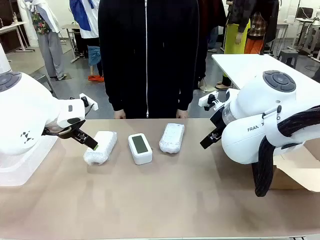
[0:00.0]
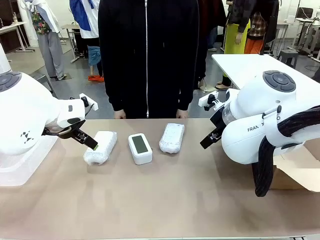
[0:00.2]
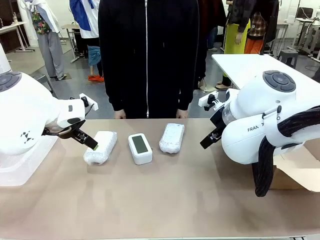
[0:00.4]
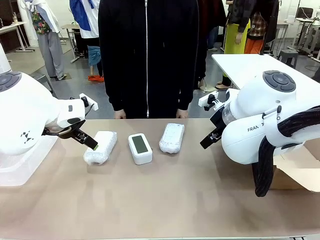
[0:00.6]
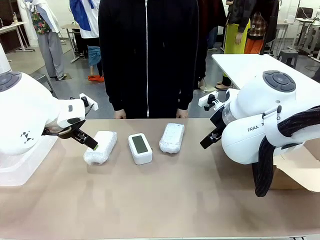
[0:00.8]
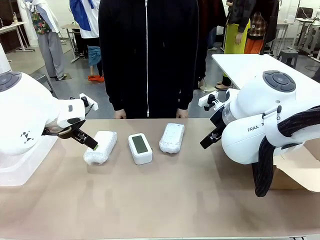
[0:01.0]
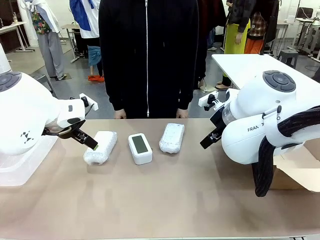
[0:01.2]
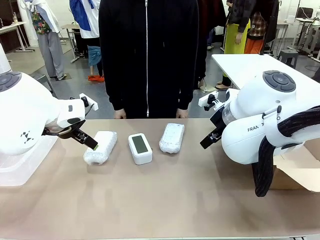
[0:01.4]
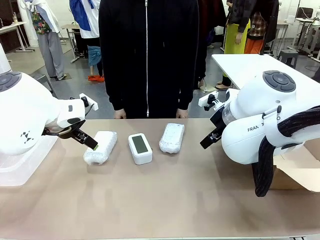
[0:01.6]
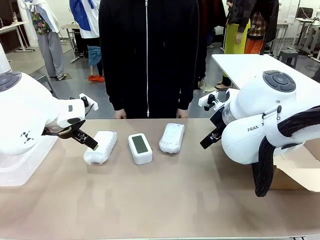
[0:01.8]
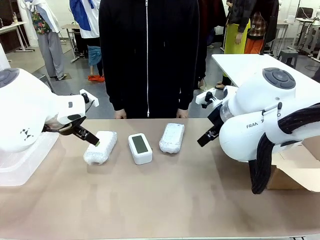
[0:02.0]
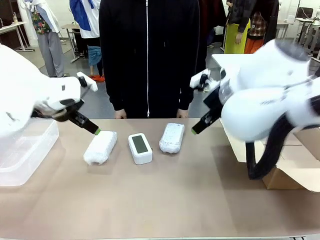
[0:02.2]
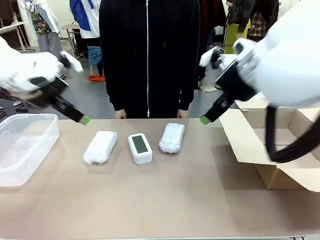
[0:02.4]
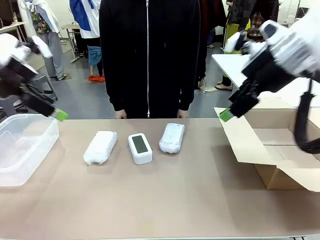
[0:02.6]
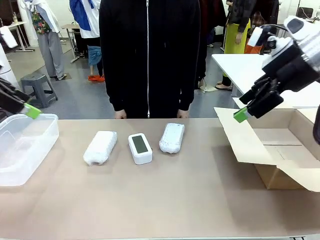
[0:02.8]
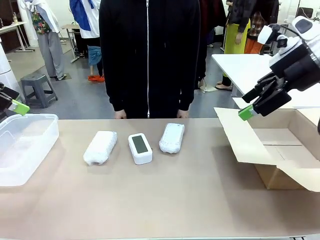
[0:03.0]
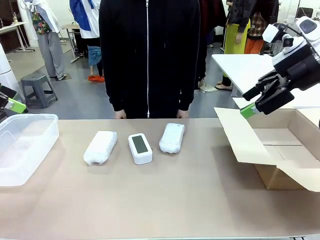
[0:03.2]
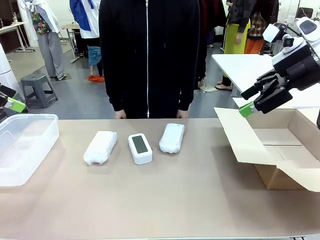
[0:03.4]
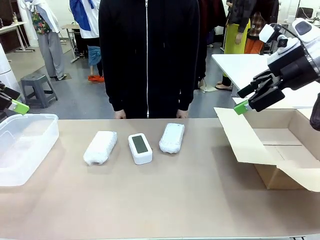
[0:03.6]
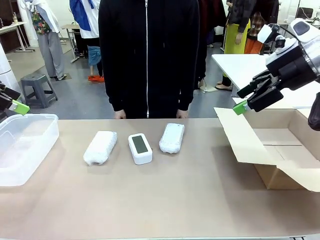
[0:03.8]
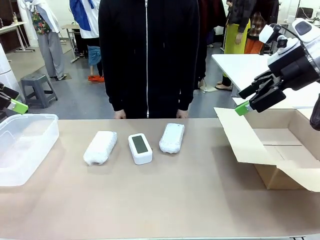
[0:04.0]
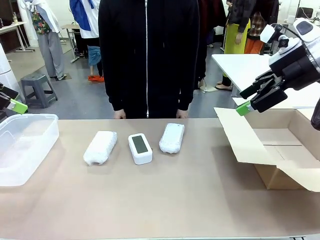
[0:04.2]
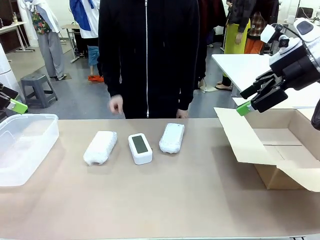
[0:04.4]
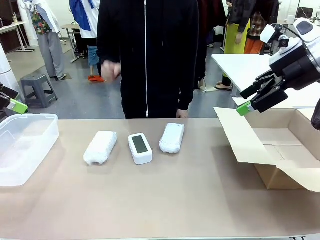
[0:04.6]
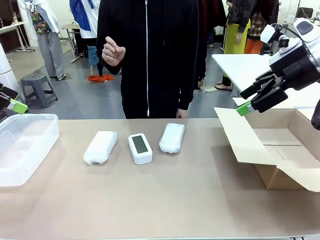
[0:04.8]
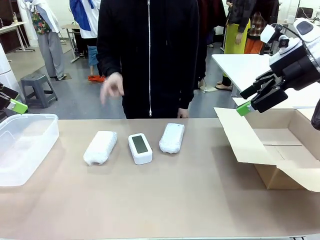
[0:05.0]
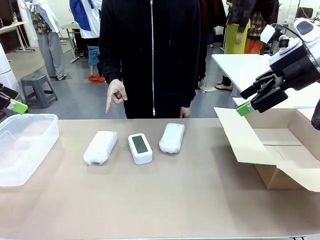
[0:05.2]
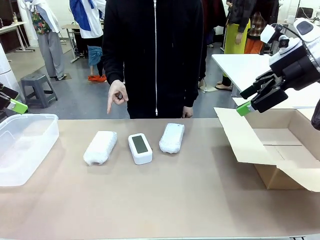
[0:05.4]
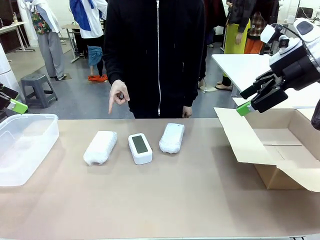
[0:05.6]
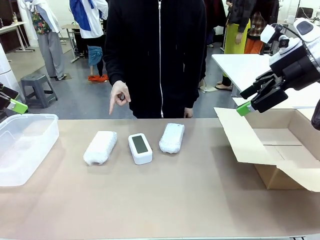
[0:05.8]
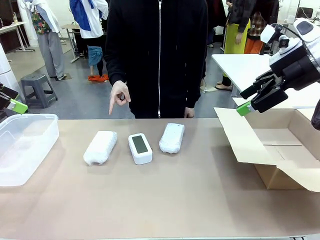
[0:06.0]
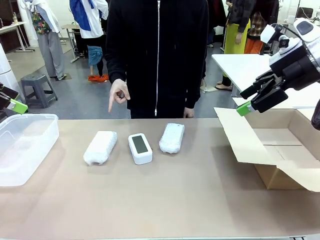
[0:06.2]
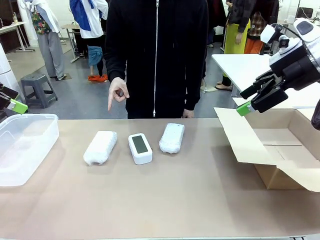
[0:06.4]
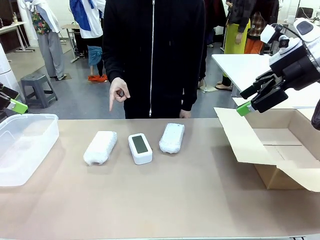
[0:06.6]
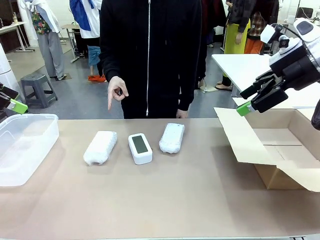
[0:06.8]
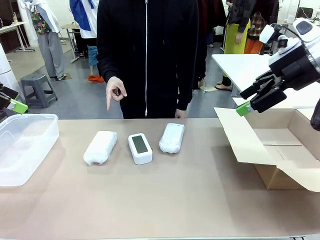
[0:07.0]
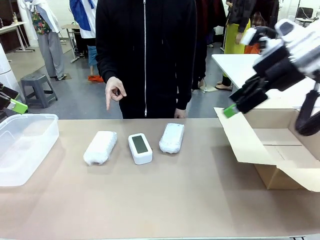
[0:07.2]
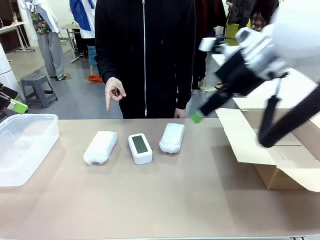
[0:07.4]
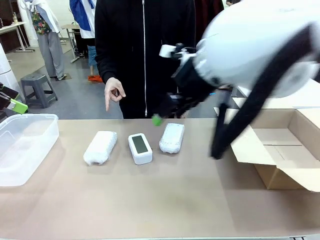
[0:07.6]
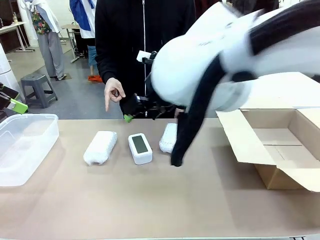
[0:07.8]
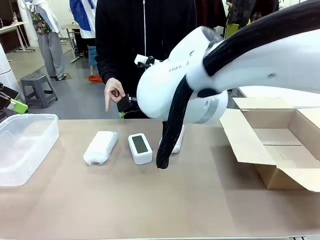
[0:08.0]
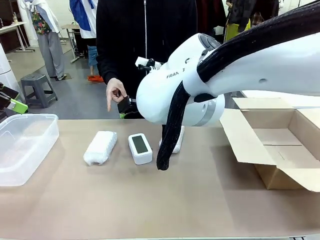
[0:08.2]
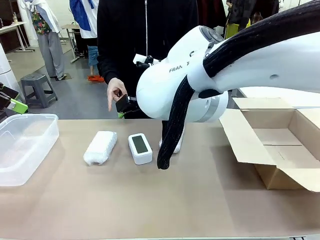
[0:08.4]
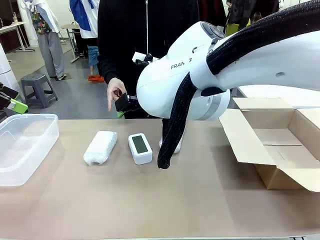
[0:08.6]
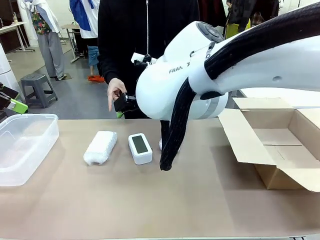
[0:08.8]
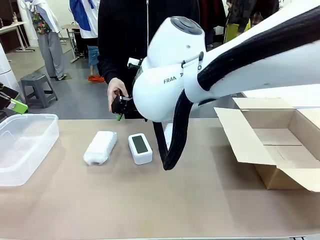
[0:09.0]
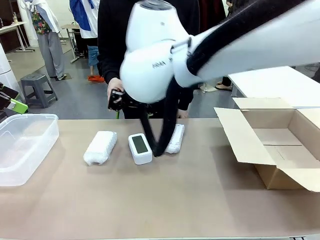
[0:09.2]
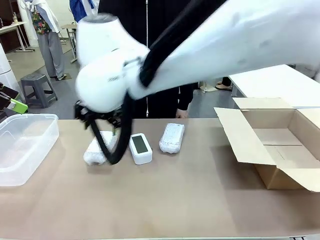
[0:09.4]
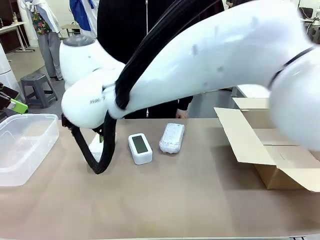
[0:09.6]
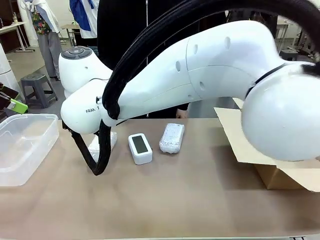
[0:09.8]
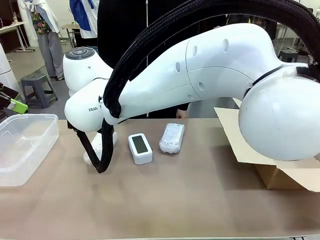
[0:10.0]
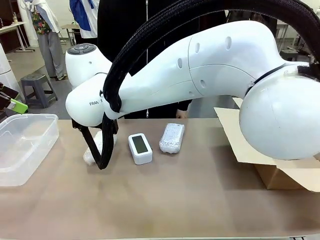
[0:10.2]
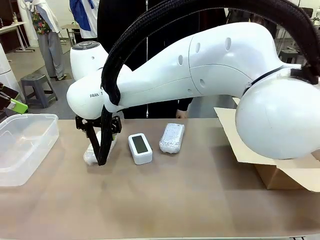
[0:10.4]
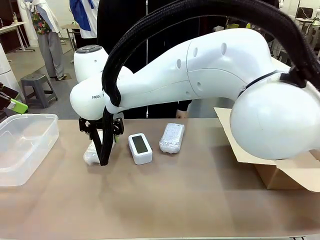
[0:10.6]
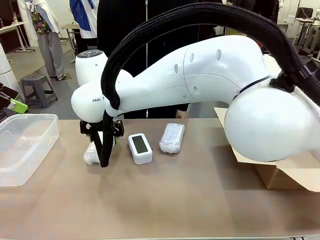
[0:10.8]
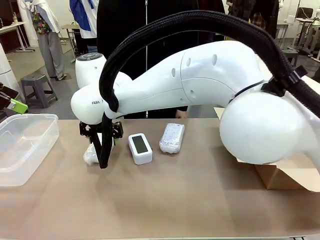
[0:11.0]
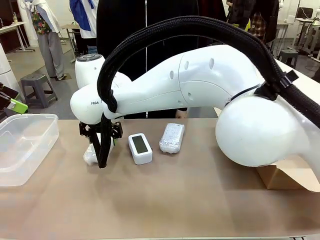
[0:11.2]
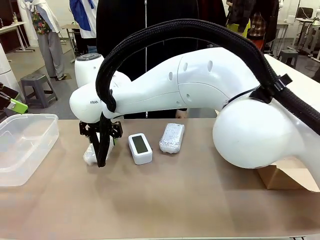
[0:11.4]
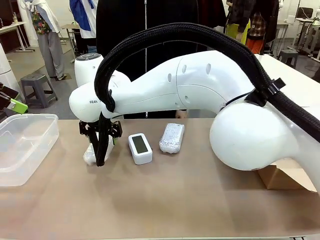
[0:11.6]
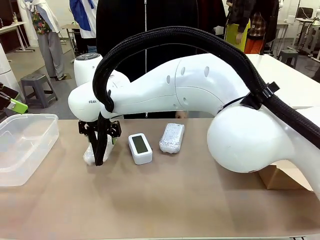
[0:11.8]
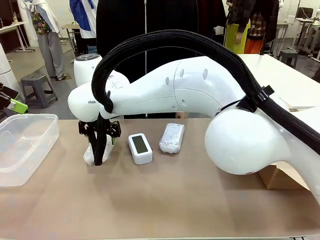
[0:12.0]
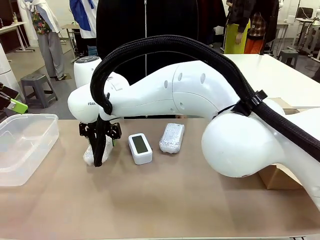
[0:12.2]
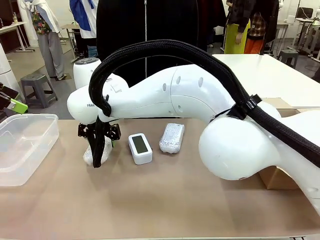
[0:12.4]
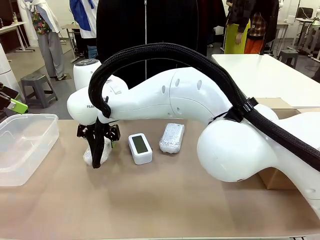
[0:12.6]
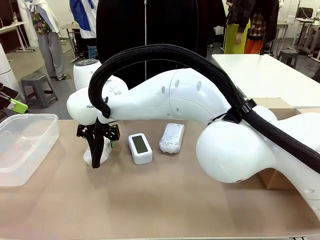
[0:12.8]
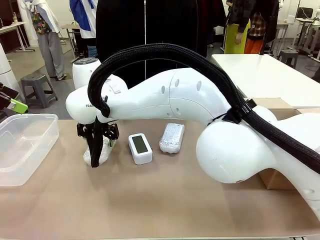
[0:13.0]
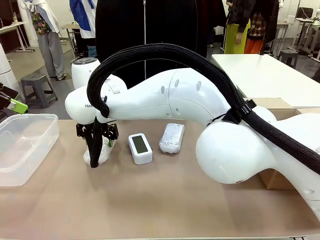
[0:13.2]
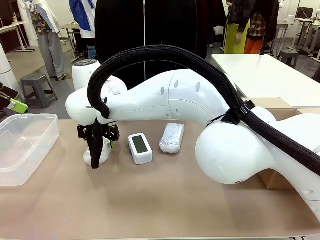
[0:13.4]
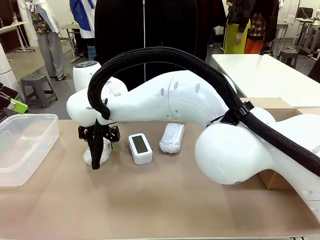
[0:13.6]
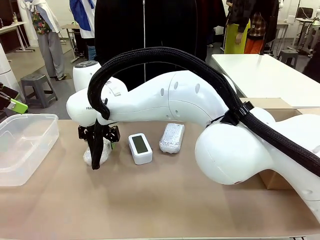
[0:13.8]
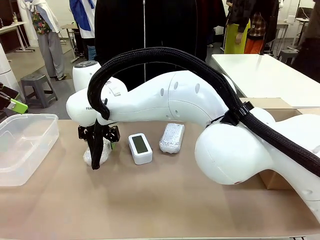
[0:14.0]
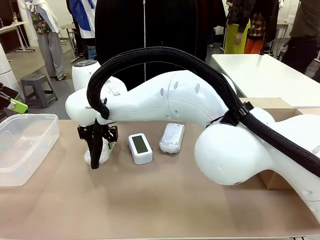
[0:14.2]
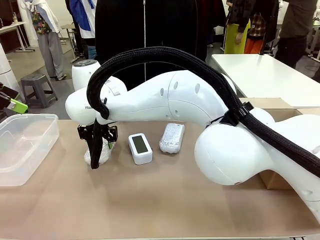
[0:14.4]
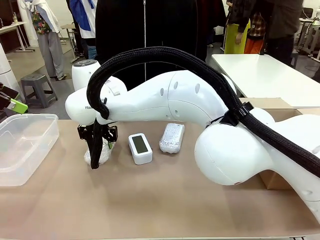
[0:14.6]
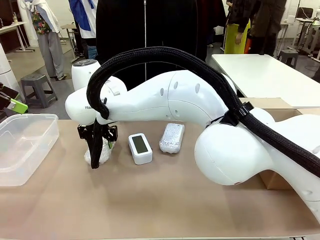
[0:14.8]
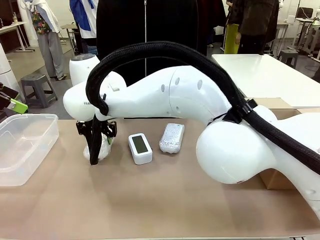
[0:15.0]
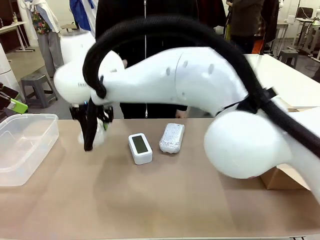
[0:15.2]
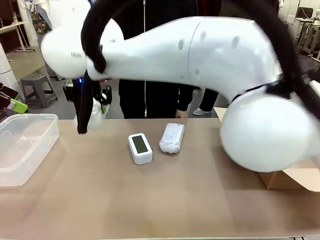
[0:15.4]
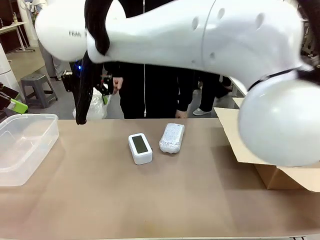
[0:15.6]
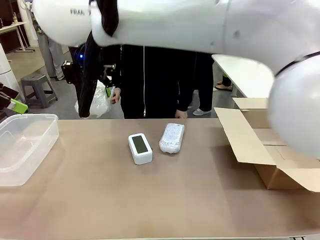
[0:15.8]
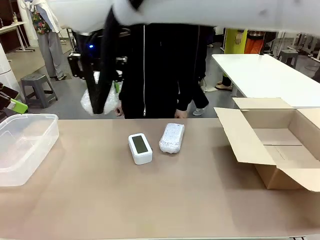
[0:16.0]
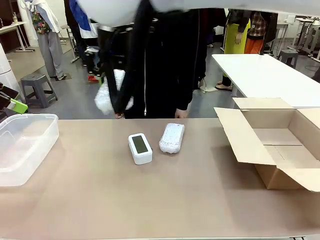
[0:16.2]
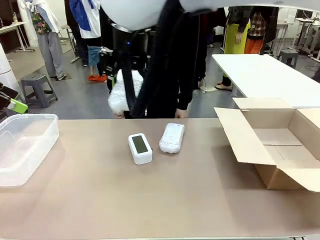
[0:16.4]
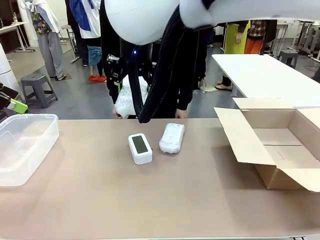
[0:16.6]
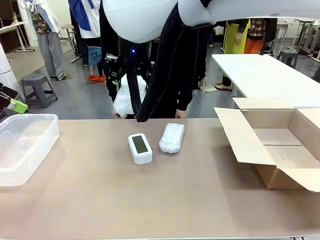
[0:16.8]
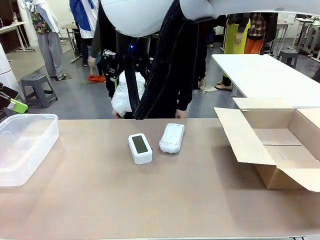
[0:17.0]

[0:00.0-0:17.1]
Task: Separate and place wrapped and unwrapped clocks.
Robot: Pick up the Digital clock indicated by the person.

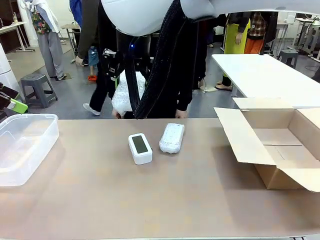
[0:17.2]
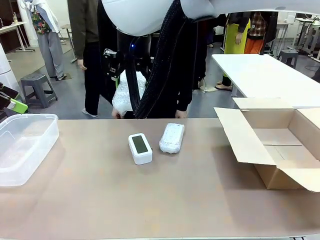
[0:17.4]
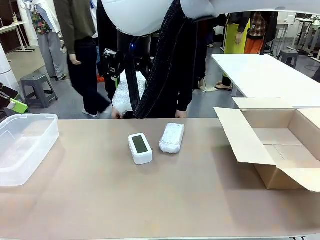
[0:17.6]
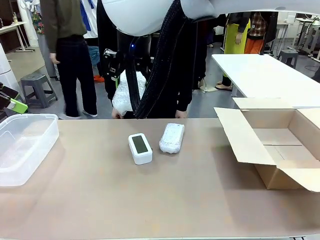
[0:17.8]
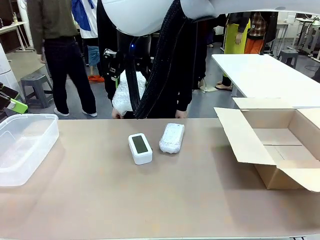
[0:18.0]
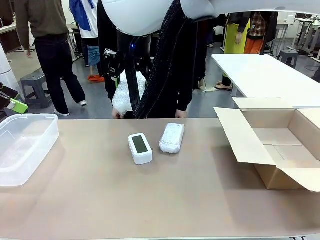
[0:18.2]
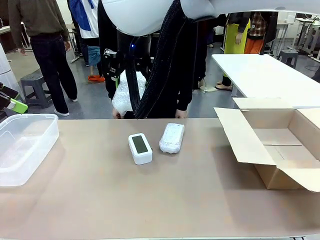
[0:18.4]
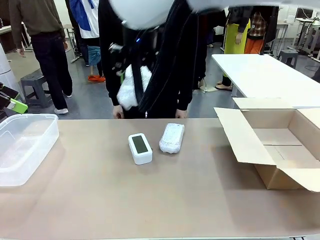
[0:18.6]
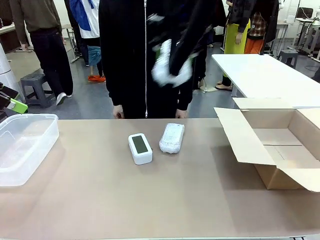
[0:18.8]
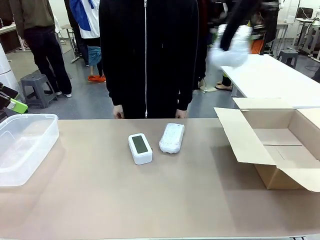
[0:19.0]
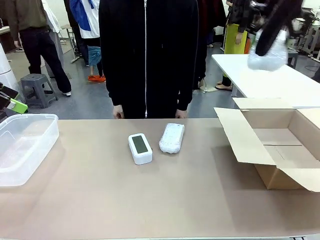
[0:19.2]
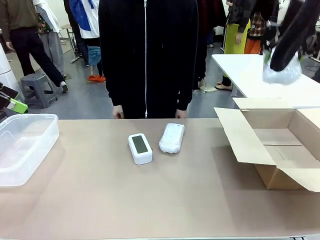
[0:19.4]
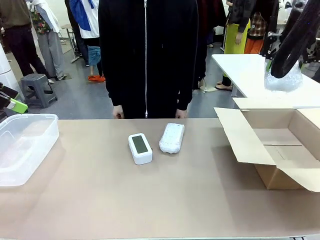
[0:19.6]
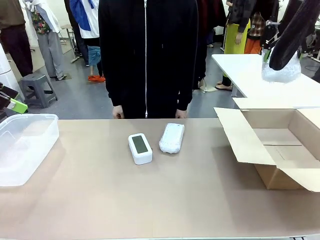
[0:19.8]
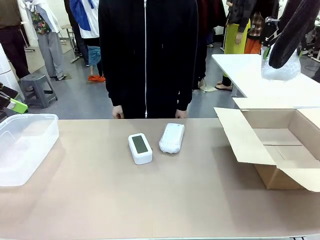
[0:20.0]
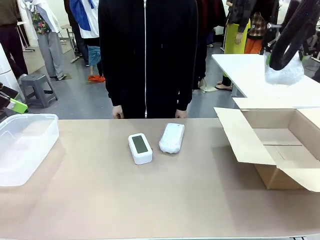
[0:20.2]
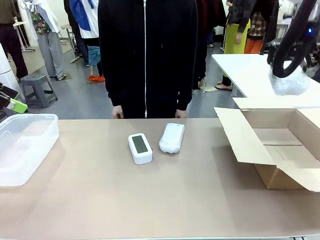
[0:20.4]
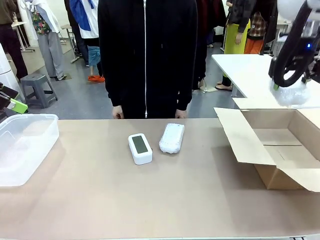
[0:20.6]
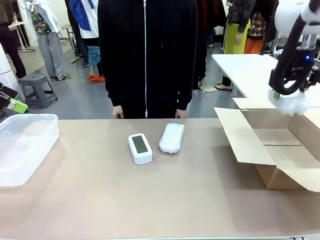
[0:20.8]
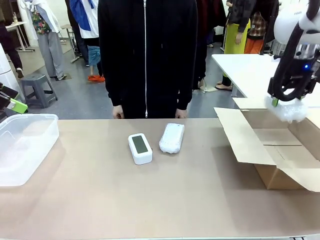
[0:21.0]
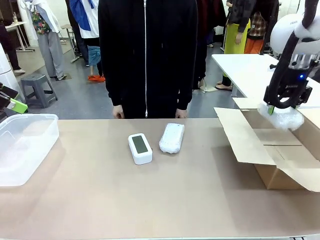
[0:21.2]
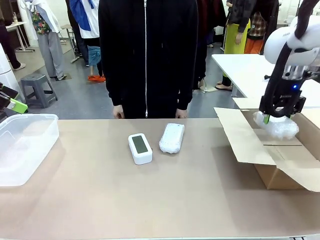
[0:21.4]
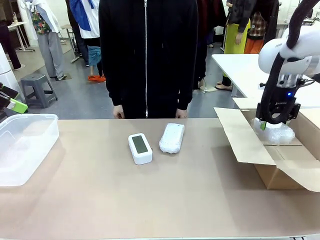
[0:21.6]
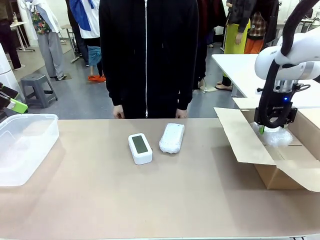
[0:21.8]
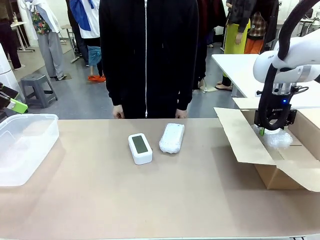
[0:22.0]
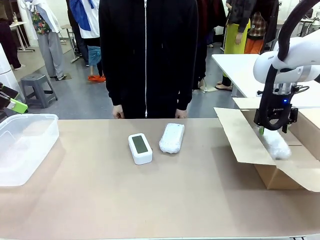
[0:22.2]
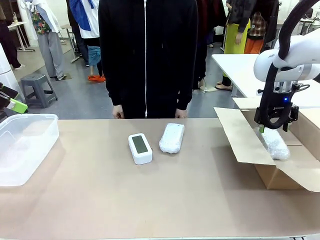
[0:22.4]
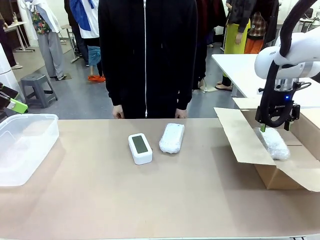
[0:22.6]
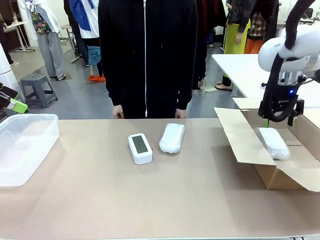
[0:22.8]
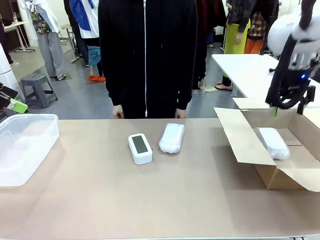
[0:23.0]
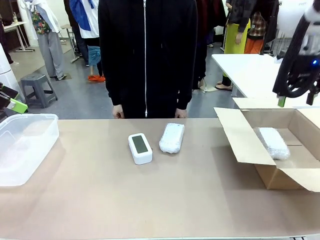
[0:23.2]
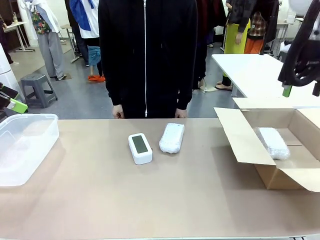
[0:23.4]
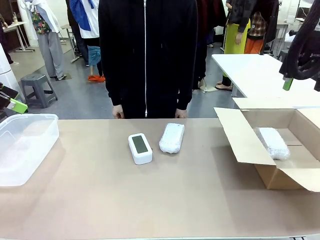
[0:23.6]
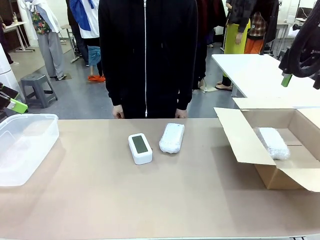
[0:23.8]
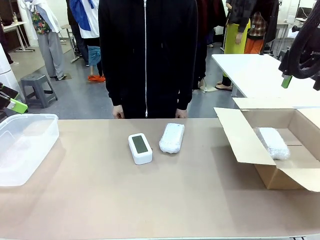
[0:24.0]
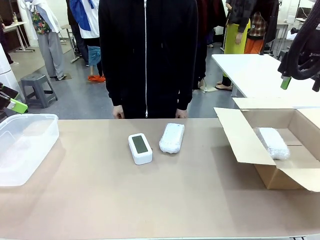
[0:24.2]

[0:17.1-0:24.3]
Robot: If the picked Digital clock is wrapped, place it in the Package Box ; if not, place it in the Organizing box.
